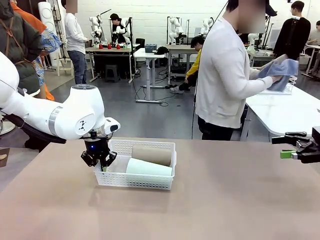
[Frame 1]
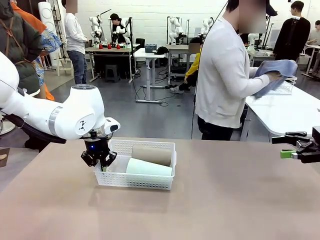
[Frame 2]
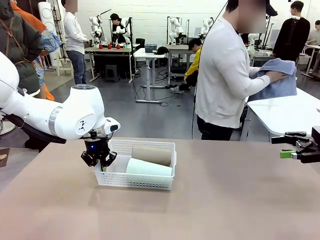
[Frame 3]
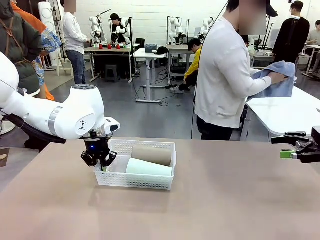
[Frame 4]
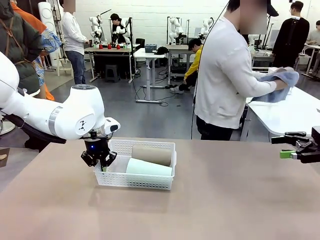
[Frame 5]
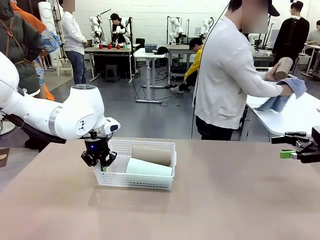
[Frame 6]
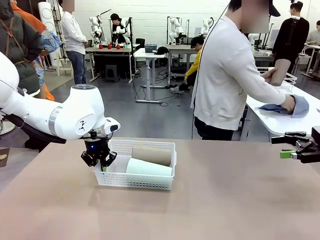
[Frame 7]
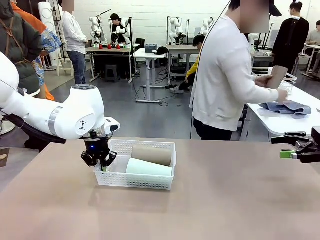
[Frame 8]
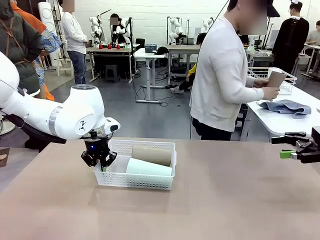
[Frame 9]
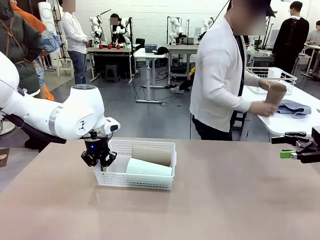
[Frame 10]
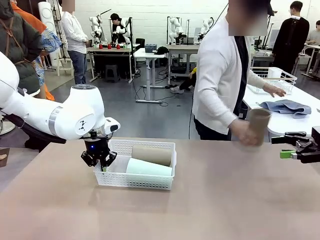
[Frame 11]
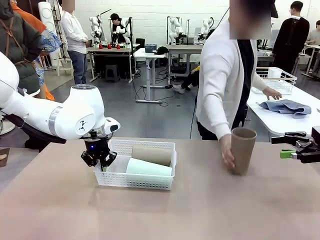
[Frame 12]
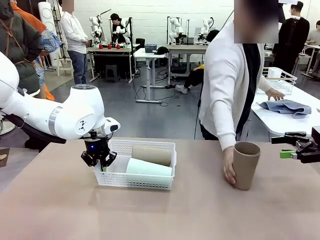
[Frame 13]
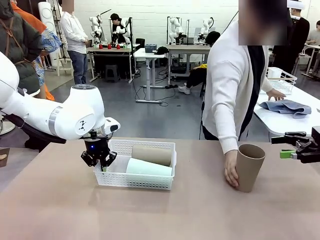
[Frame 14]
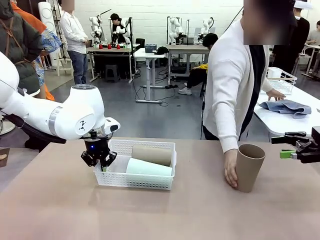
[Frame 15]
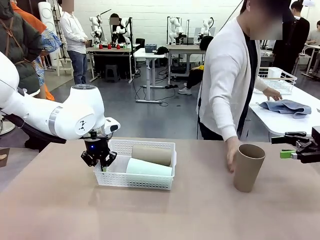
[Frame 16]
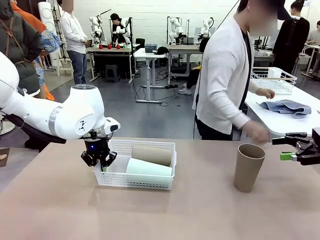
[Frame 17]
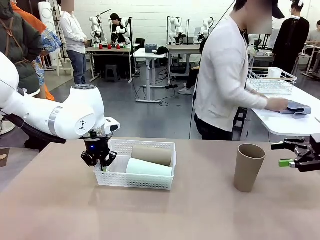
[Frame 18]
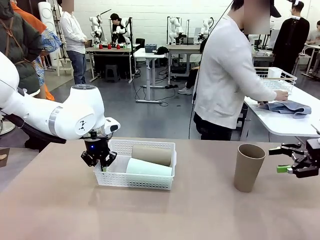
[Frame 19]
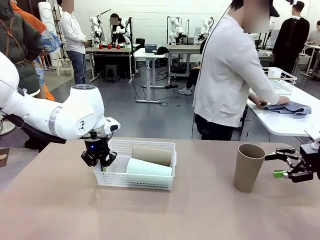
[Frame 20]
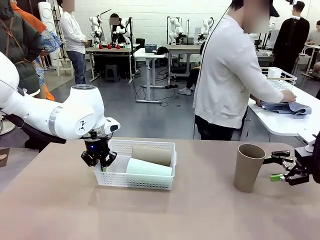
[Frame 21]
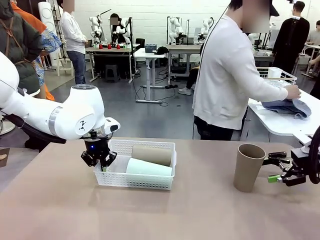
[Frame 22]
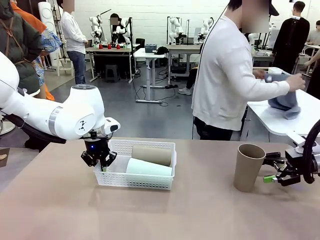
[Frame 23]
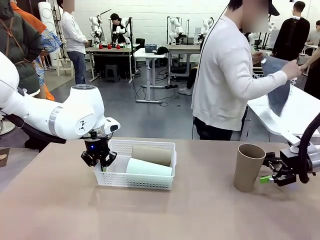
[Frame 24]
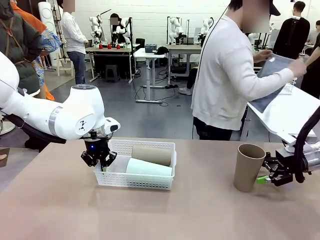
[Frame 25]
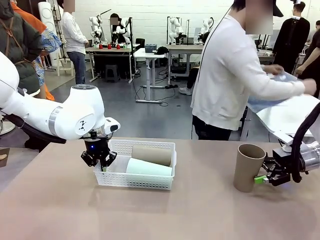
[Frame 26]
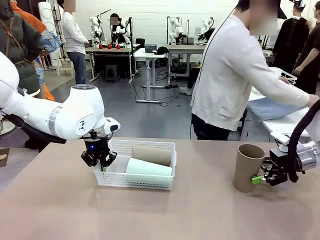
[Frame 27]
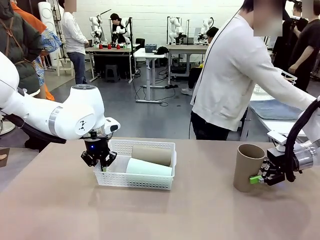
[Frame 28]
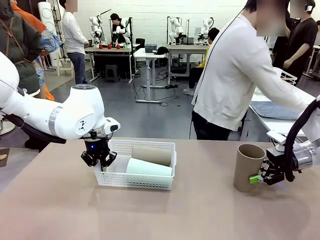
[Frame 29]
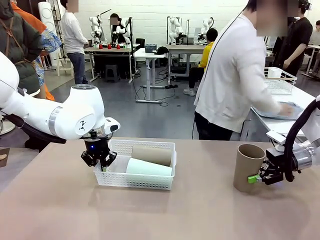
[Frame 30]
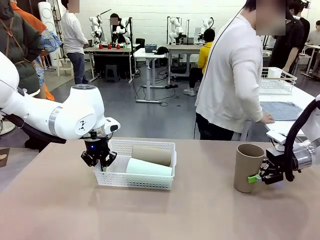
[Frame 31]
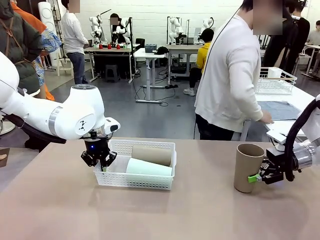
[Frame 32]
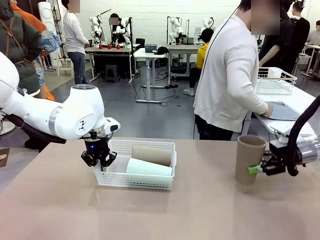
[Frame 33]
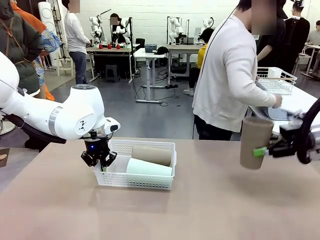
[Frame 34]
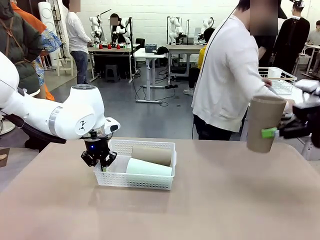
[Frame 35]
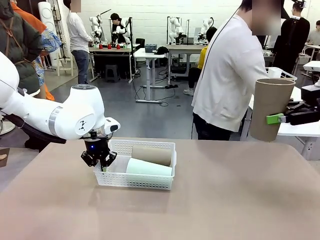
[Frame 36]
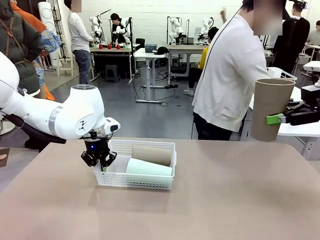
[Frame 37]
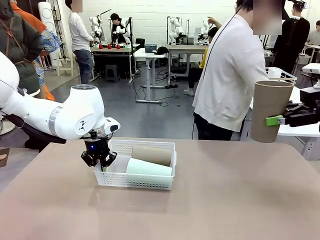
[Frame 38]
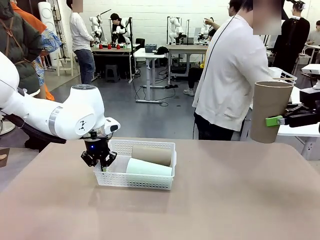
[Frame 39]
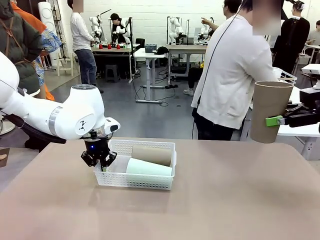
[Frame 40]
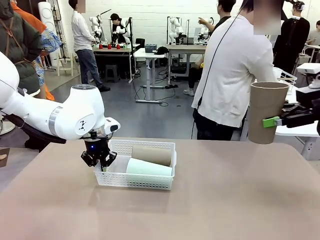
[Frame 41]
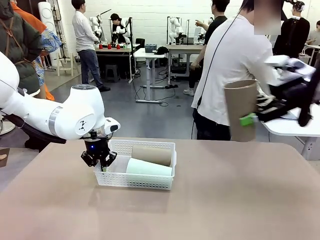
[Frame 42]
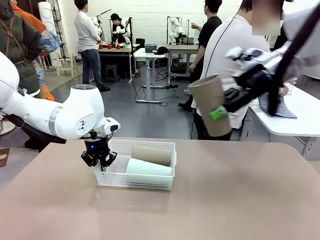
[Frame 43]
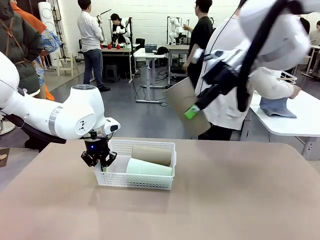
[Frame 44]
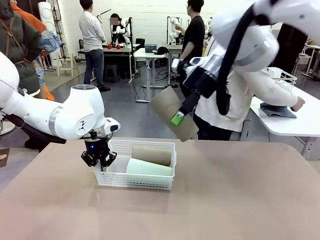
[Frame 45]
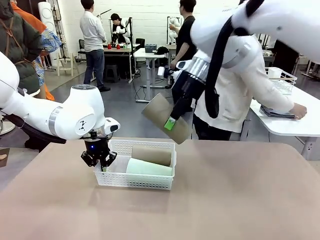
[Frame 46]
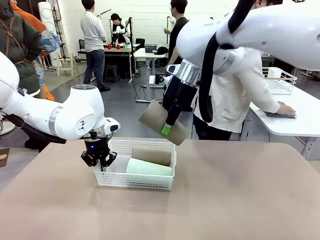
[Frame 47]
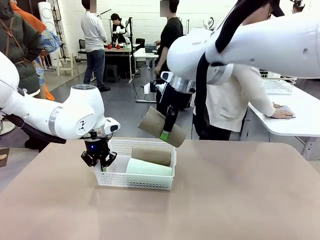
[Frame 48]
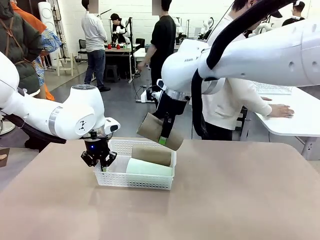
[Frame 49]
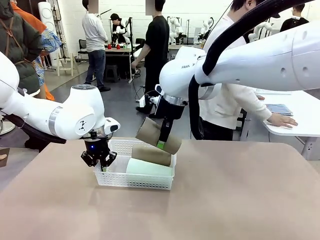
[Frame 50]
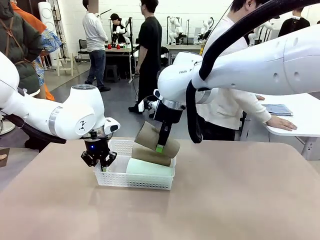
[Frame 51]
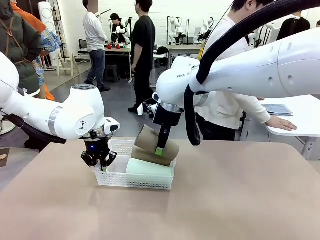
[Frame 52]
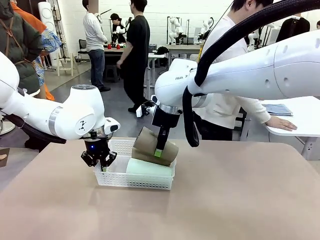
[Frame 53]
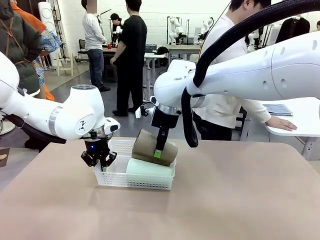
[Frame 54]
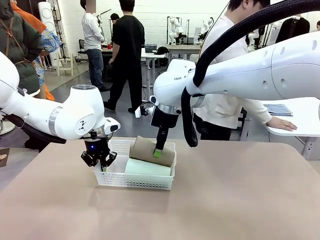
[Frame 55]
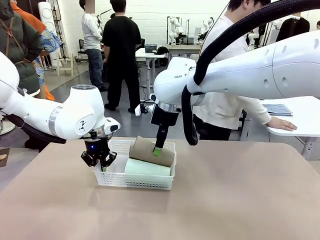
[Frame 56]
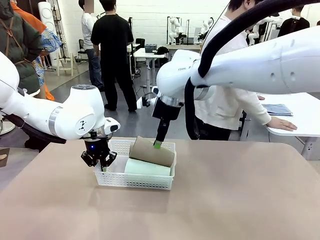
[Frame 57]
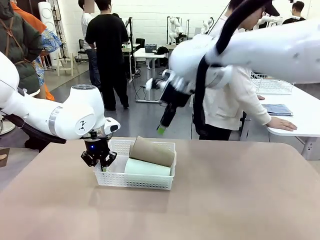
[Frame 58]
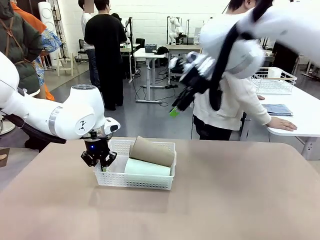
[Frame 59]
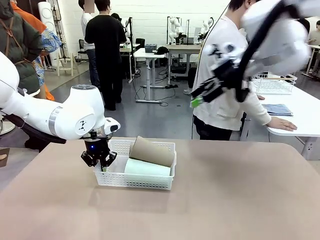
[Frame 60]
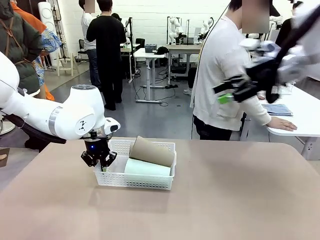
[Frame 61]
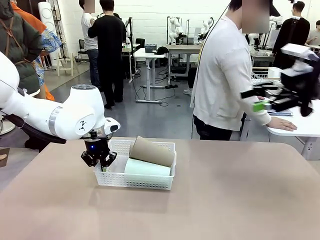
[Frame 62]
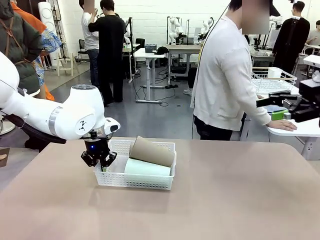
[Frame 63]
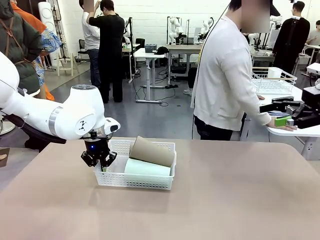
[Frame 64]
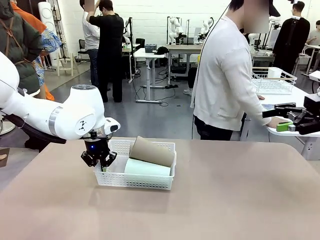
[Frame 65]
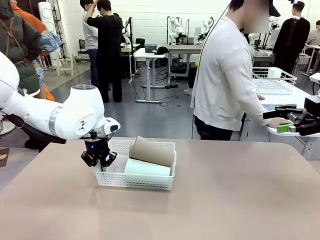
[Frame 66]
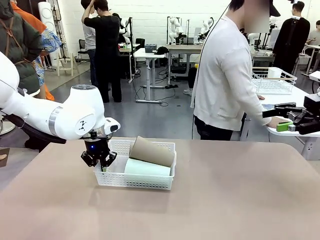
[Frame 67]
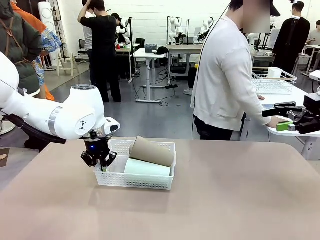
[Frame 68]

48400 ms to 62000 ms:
Task: Clean and organize the cups into the basket.
Robot: Pick up the Reusable plastic cup from the right side of the table and stack it inside the Organizing basket in the center of the table.
